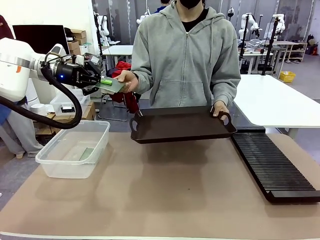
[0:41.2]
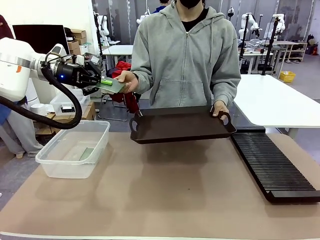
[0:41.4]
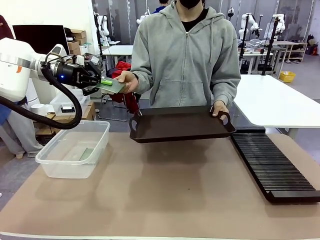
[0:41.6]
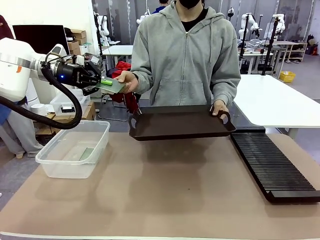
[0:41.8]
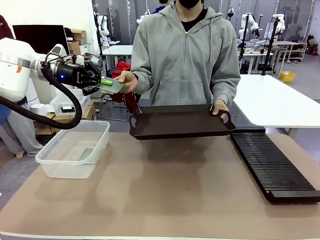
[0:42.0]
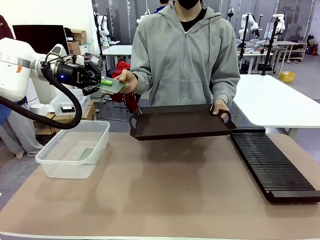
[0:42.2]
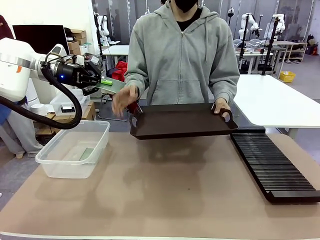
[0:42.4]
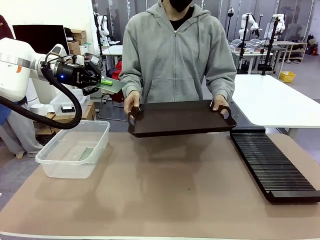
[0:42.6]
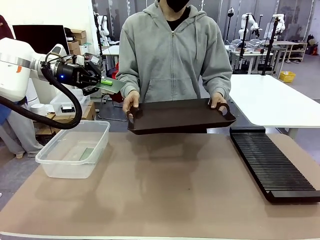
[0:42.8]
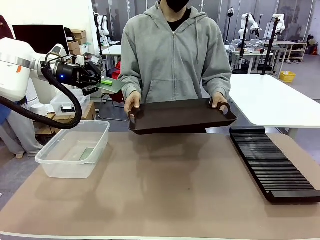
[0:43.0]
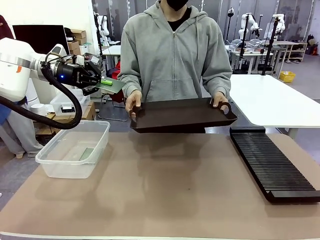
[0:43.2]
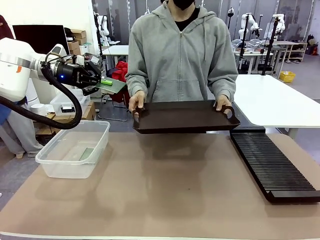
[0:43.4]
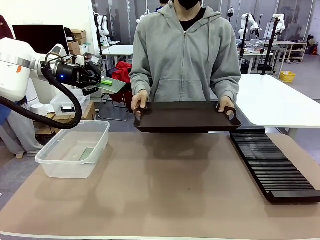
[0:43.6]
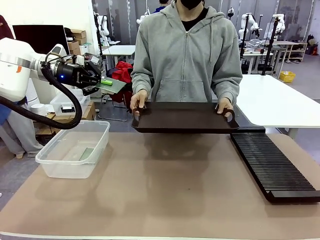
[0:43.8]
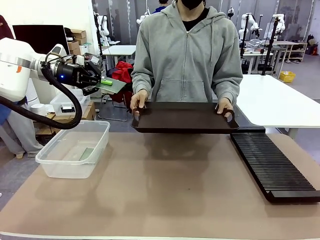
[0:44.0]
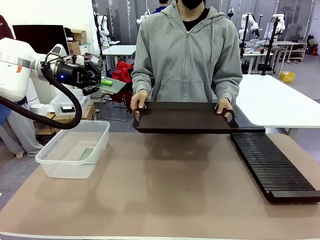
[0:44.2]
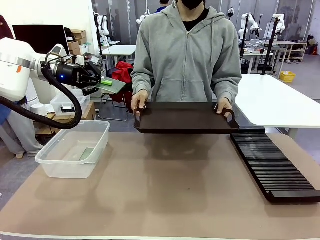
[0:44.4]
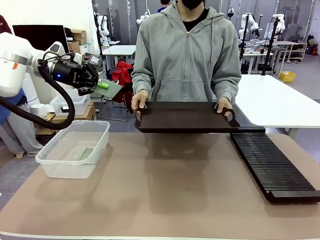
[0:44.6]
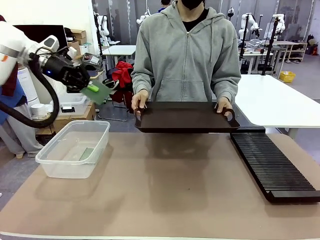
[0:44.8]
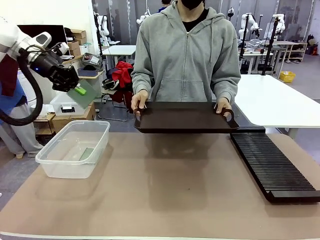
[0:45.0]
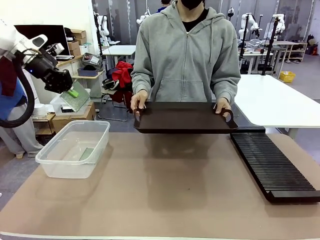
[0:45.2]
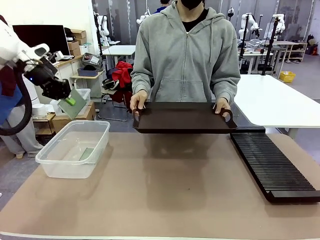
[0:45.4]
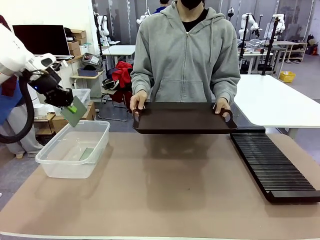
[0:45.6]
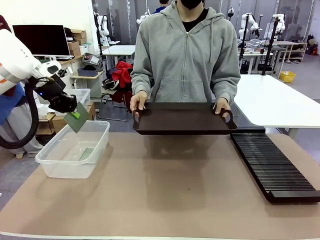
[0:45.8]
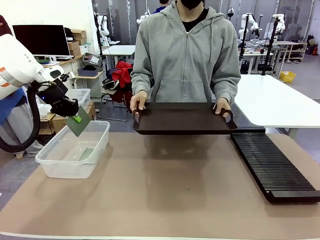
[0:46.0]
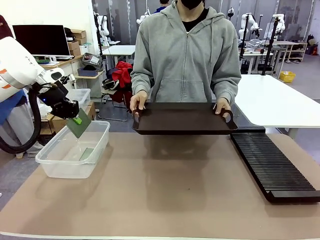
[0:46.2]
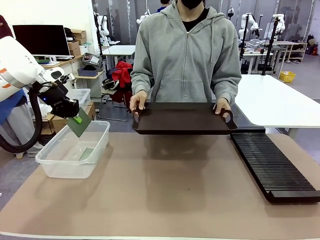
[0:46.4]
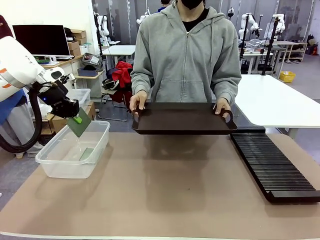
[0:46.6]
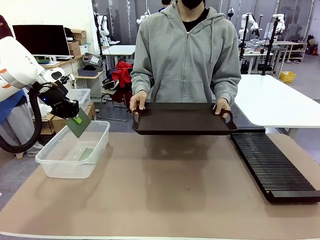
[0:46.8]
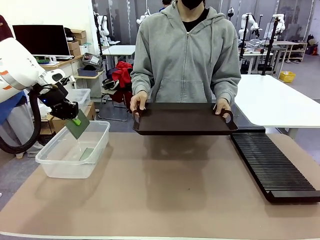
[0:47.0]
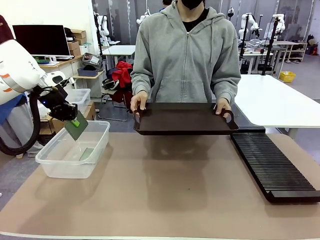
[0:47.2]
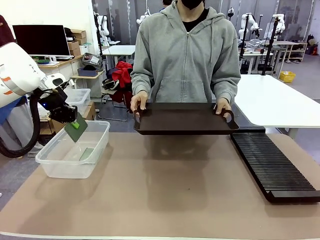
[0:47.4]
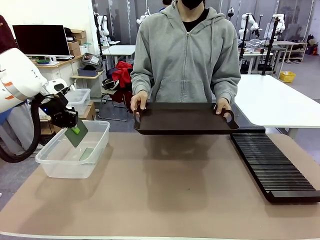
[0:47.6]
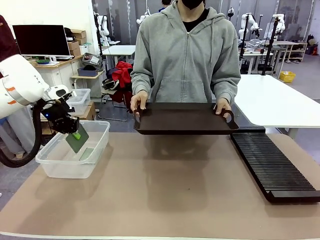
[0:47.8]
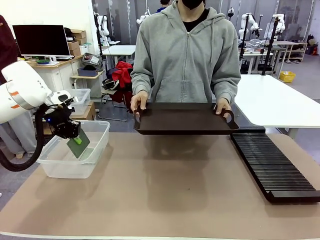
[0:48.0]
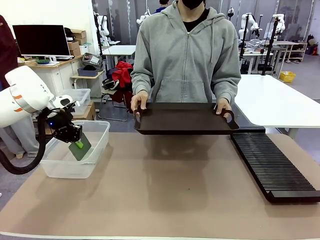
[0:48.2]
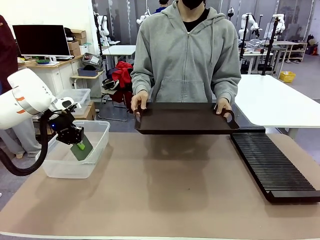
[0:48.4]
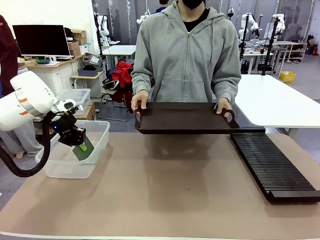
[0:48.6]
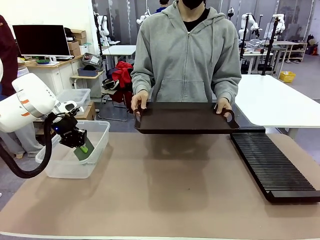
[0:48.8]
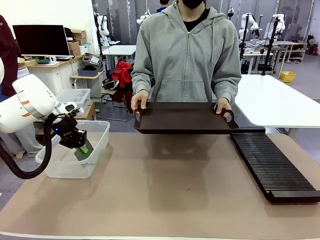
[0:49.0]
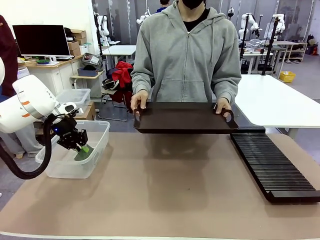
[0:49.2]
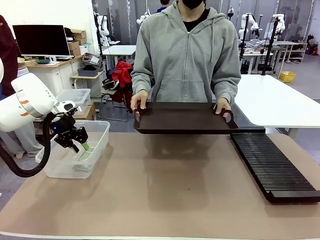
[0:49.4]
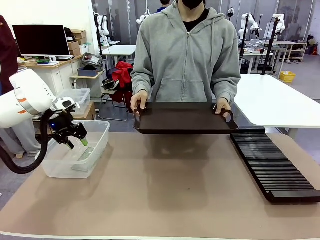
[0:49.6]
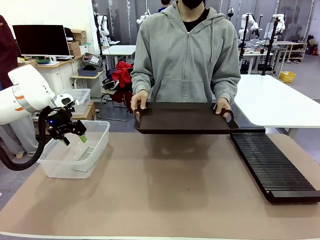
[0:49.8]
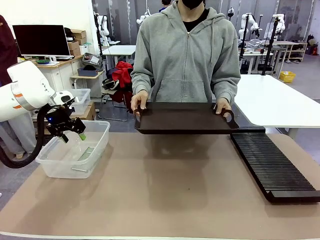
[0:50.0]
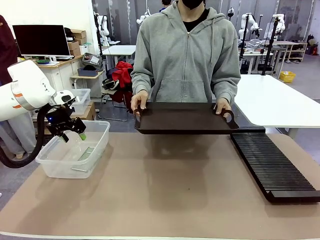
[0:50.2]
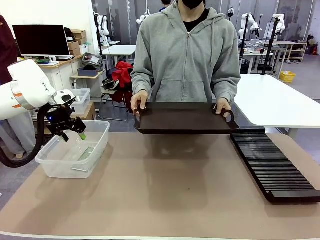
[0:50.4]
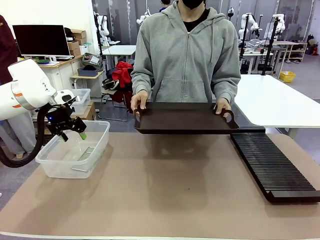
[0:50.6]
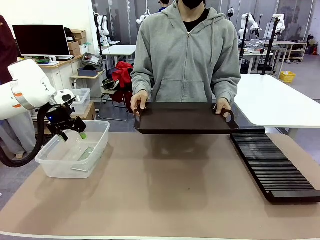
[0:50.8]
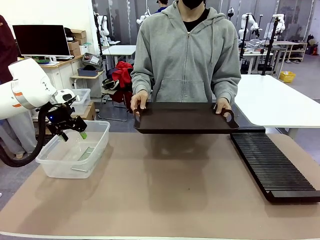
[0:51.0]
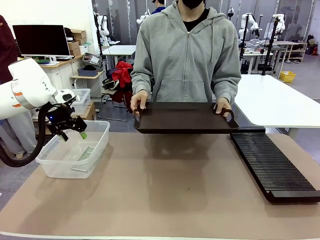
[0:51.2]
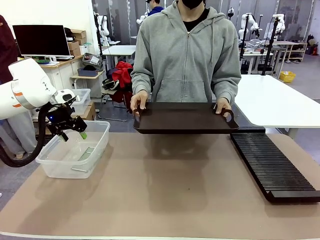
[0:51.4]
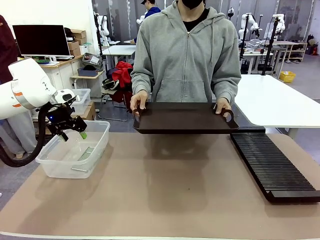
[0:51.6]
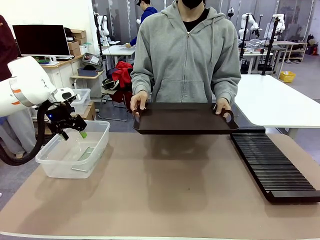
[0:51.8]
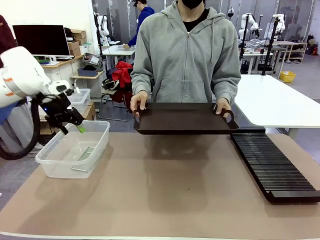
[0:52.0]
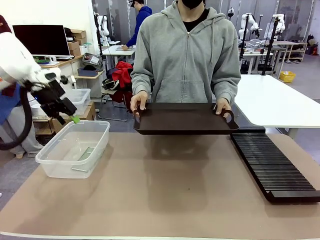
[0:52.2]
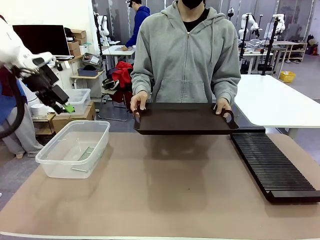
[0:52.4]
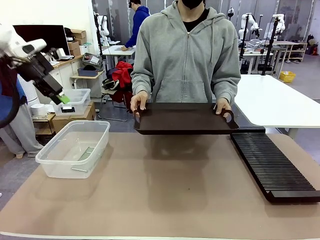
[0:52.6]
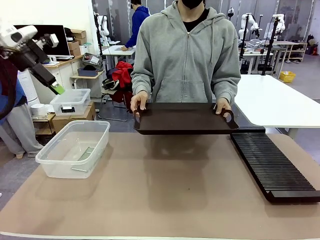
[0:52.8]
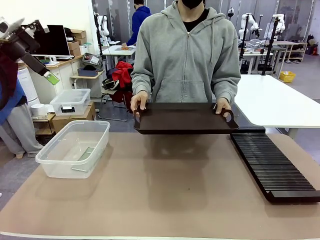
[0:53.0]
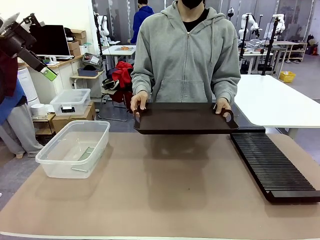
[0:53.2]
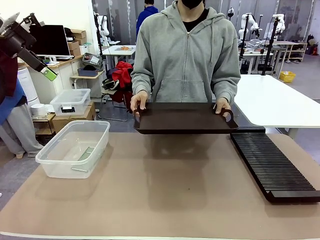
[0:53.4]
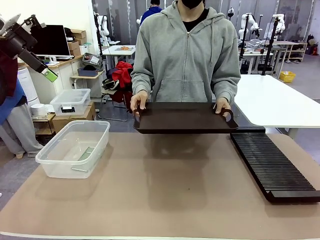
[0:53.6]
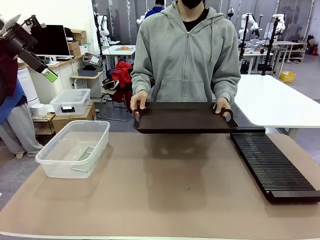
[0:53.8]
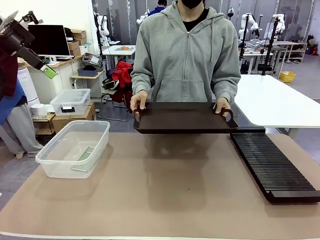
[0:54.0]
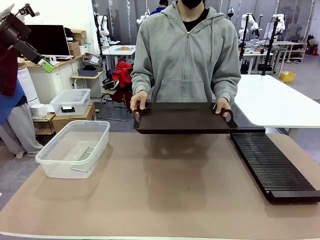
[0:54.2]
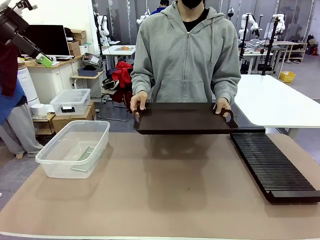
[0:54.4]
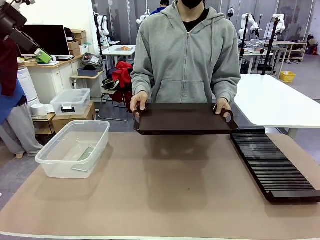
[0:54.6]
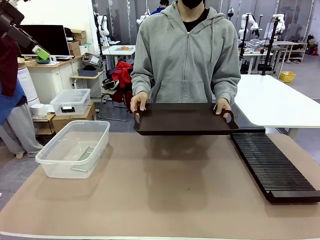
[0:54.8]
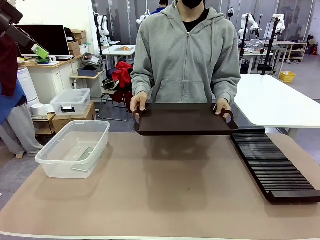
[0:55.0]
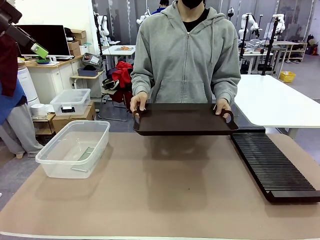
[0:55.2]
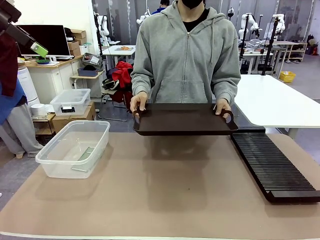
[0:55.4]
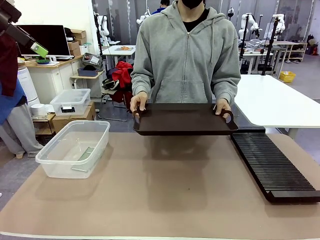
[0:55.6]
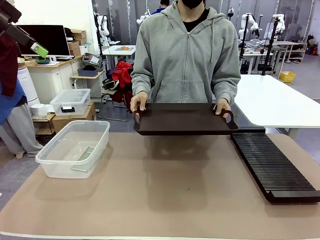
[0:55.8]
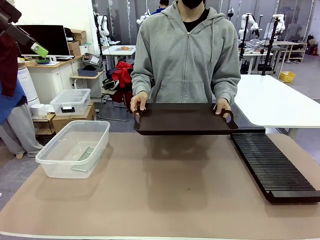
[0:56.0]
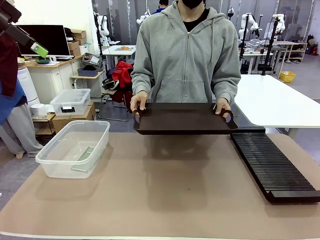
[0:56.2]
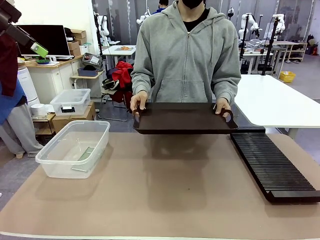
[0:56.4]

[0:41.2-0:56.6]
Task: Sort PCBs into racks and boxes based on the side picked up.
Robot: If the short side of the Blank PCB is picked up, insert it into the PCB Rack ; if the long side is picked up, place it in the Organizing box.
Person: Release the PCB being held.
